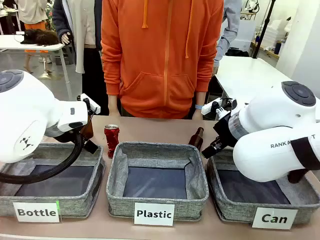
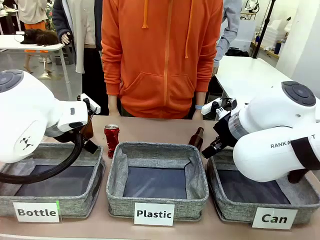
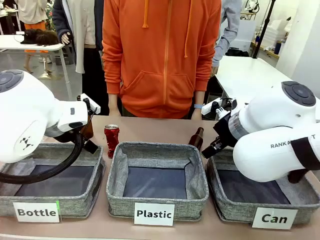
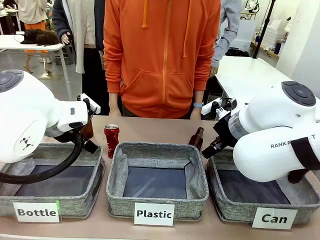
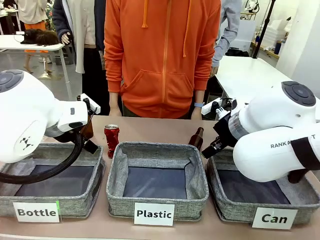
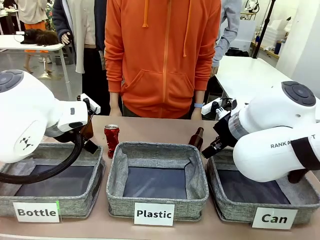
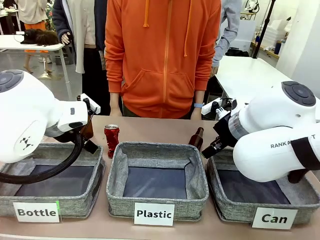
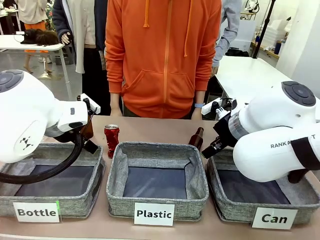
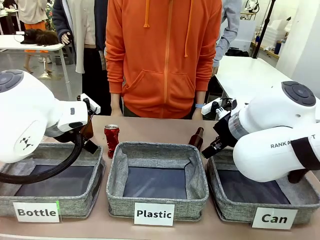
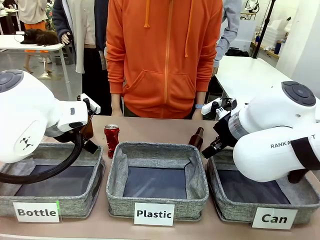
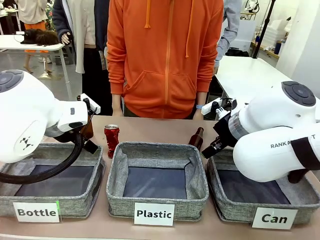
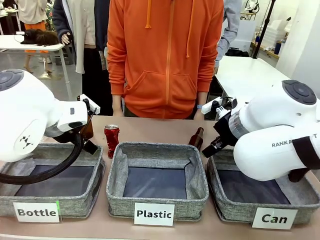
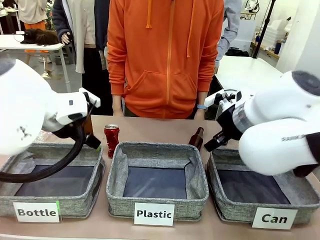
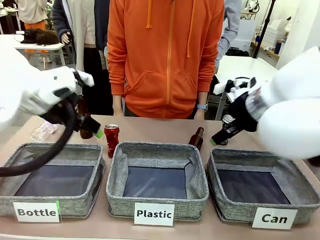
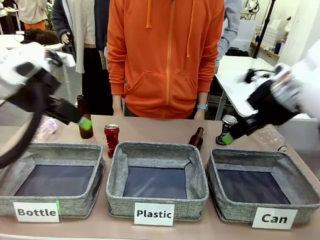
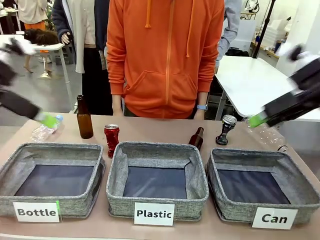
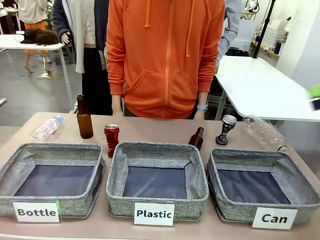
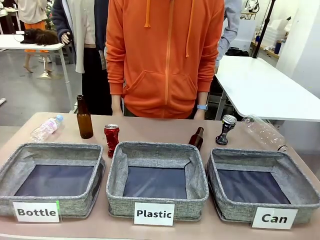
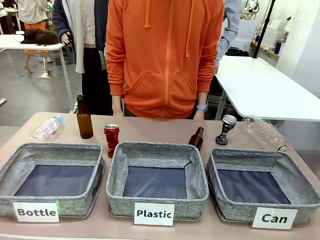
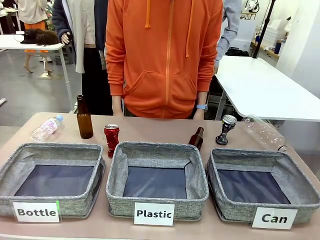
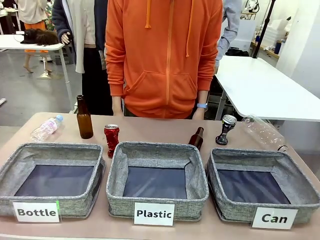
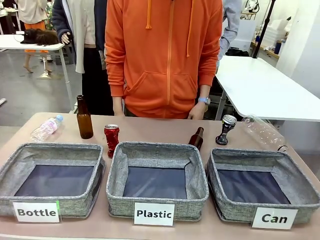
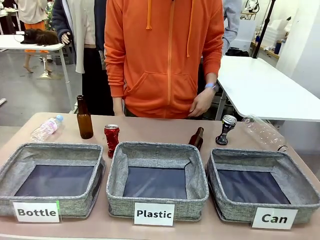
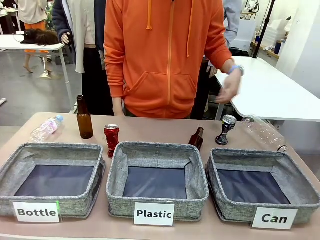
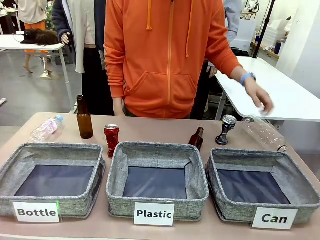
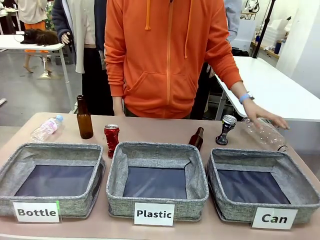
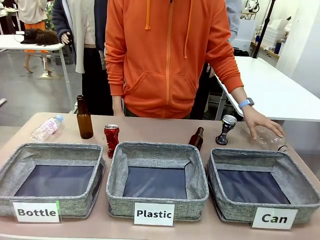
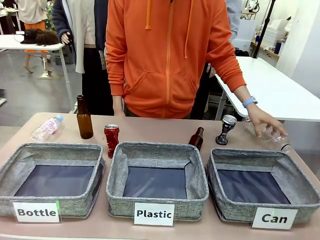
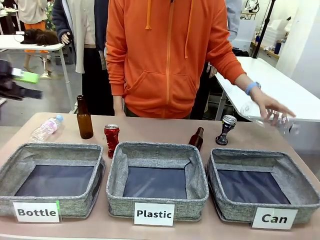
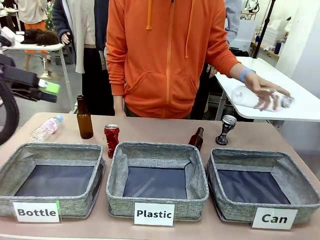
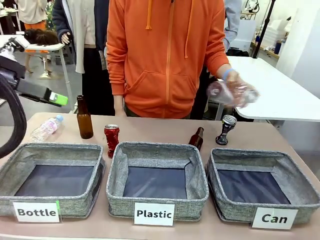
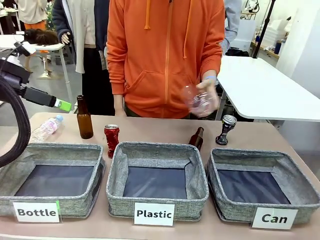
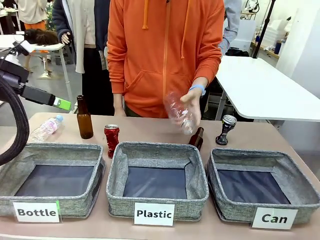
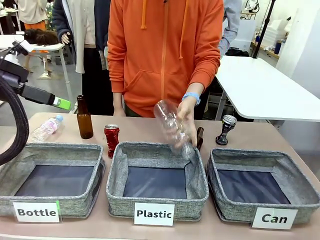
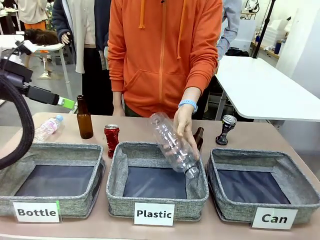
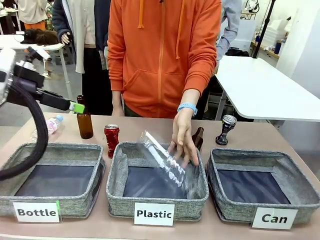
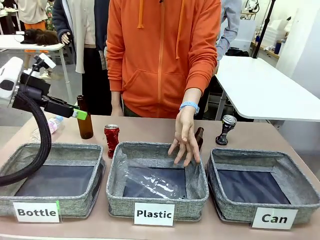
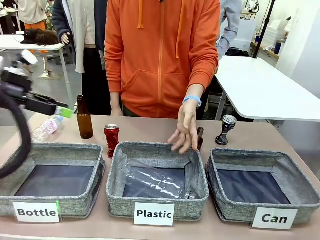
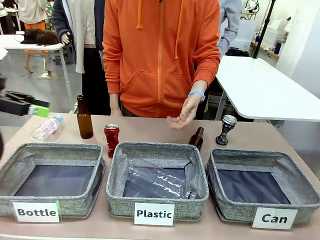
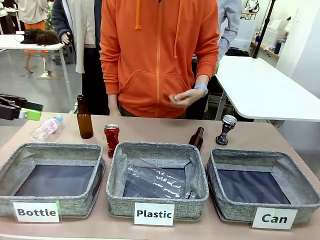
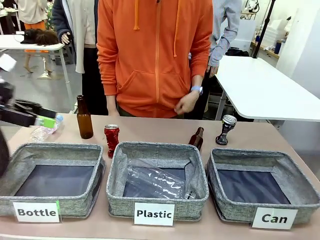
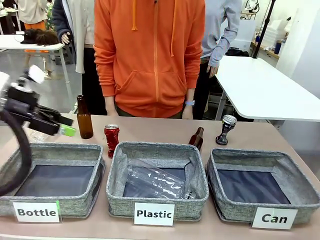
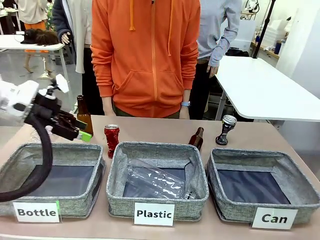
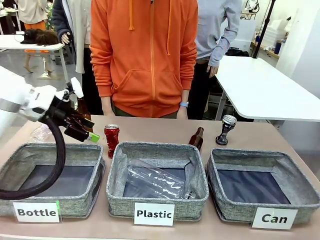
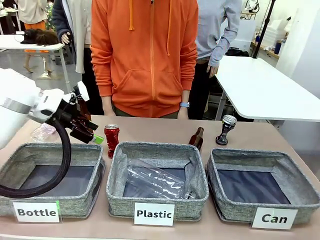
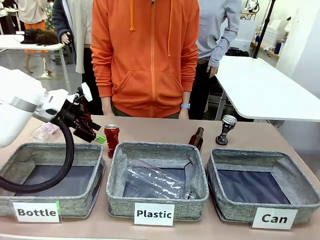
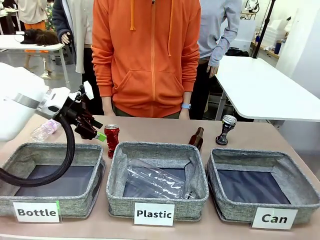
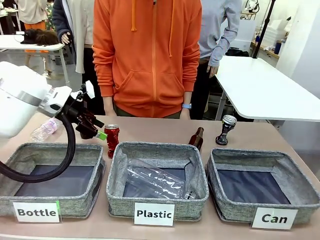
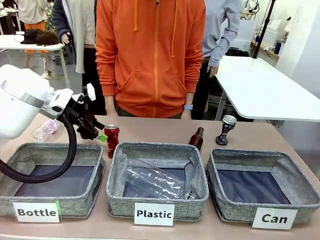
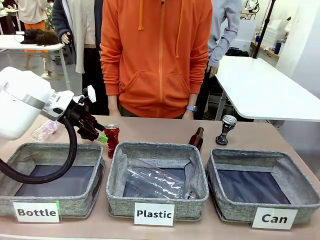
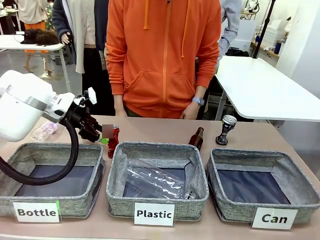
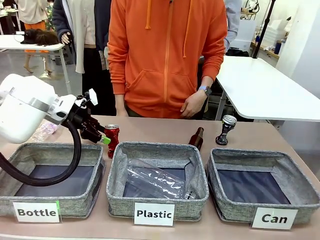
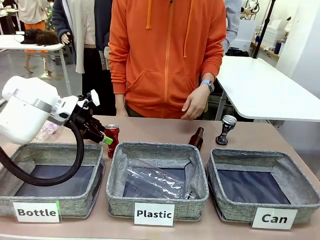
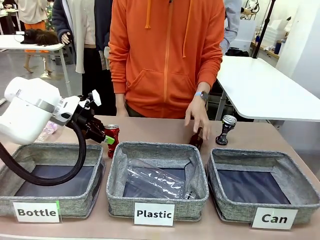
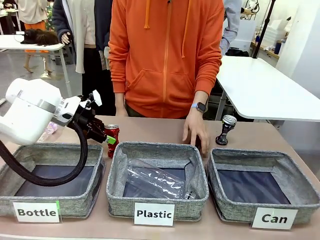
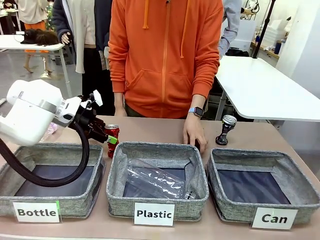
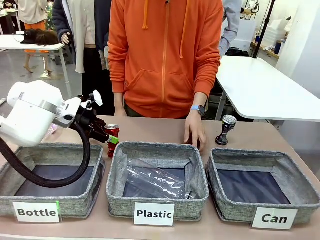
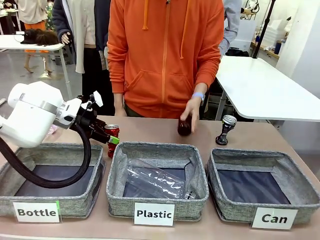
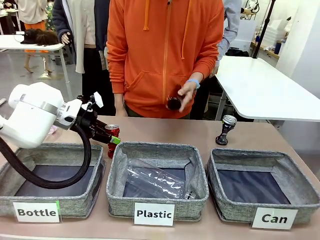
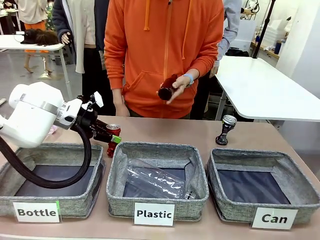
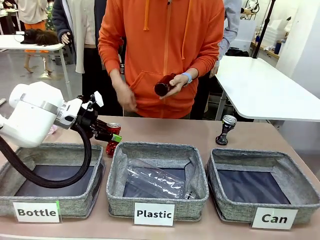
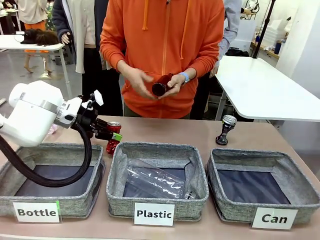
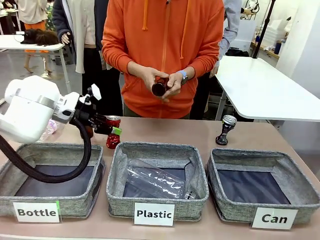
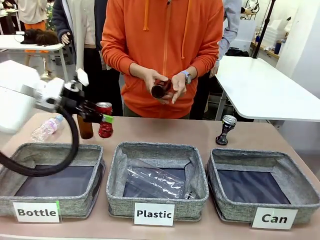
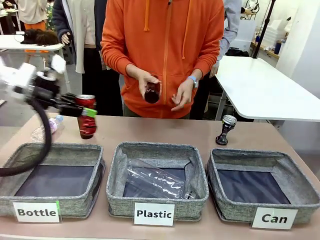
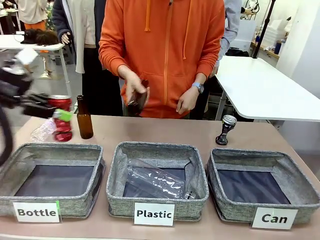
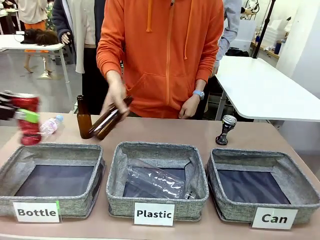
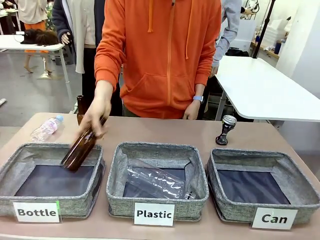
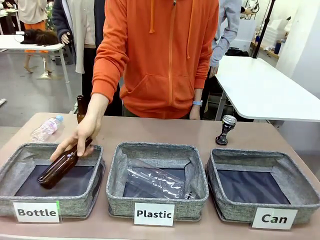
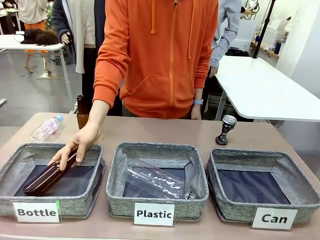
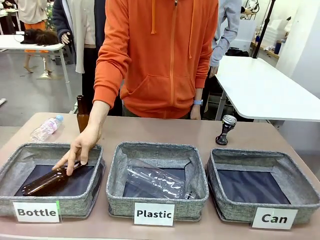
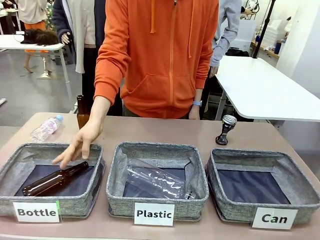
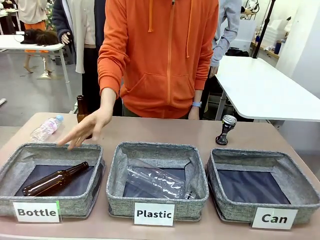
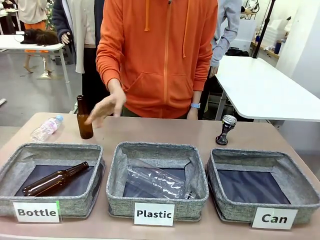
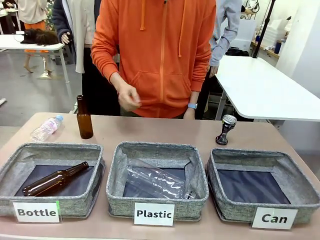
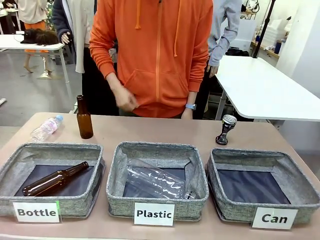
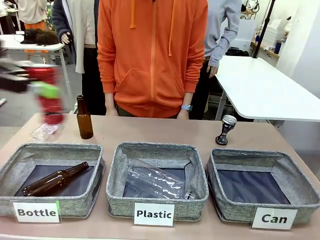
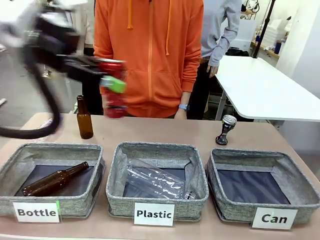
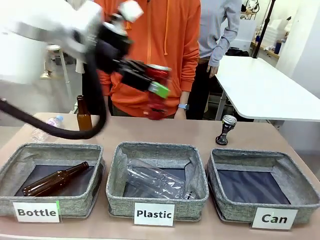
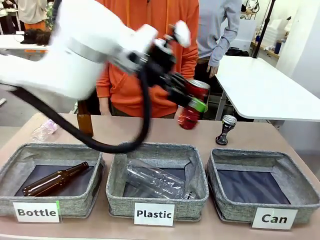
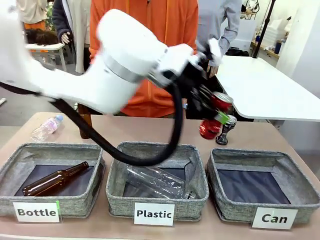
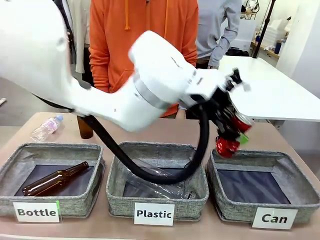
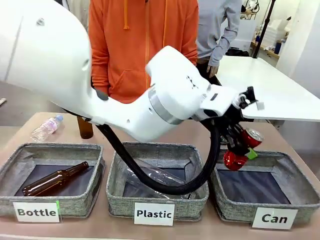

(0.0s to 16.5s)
Task: Sort the can waste into the basket.
Robot: Pick up the can waste from the table and place it in the right Fabric basket.
